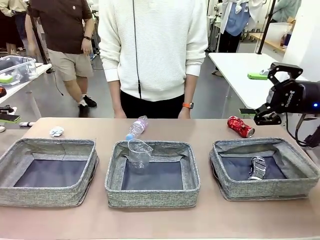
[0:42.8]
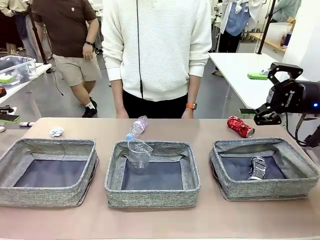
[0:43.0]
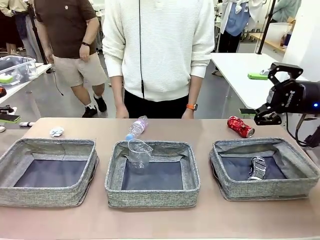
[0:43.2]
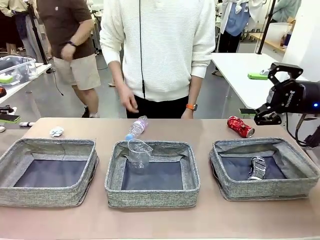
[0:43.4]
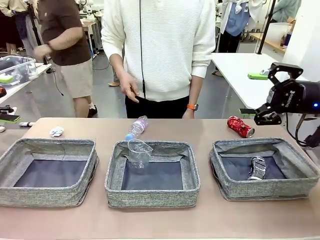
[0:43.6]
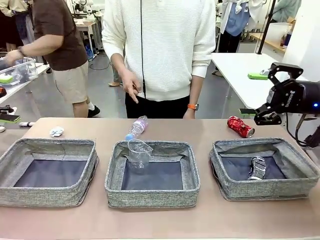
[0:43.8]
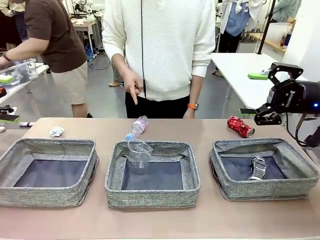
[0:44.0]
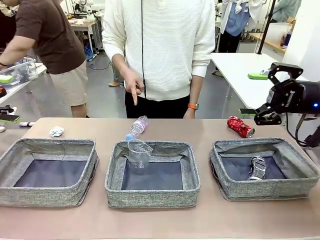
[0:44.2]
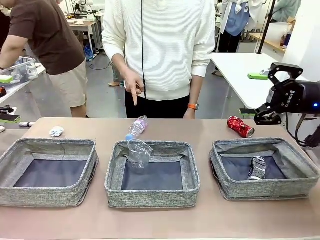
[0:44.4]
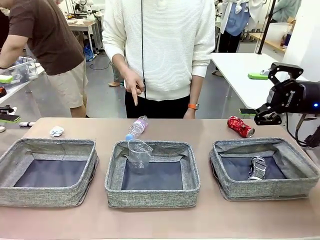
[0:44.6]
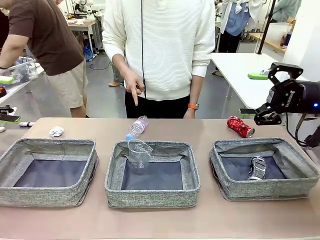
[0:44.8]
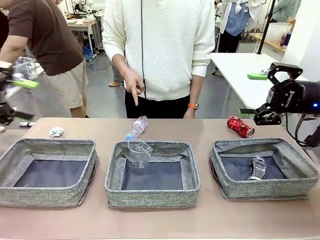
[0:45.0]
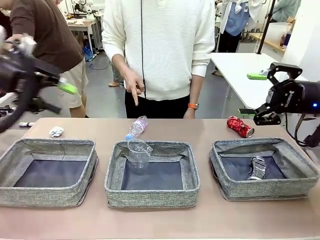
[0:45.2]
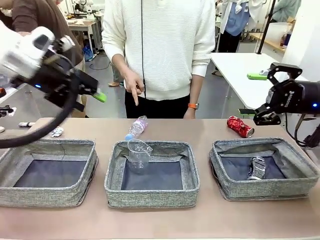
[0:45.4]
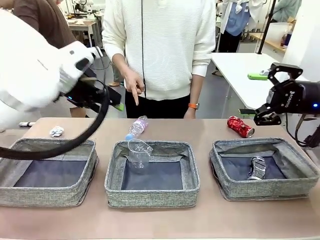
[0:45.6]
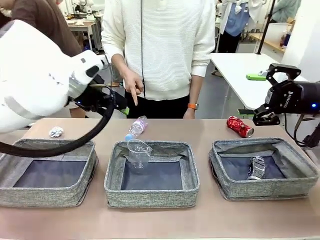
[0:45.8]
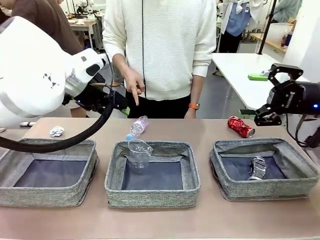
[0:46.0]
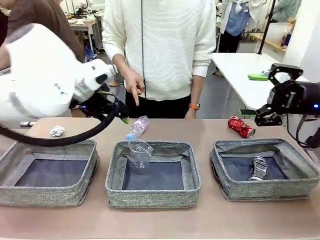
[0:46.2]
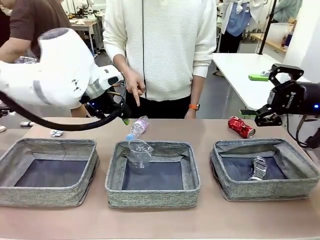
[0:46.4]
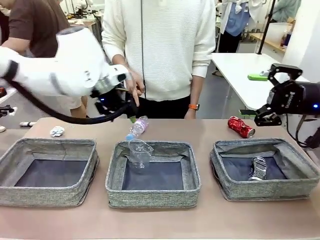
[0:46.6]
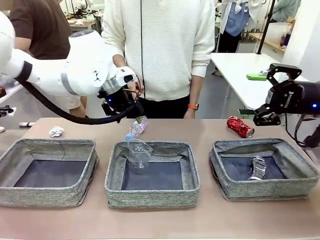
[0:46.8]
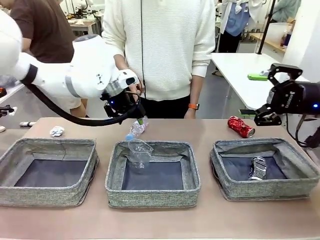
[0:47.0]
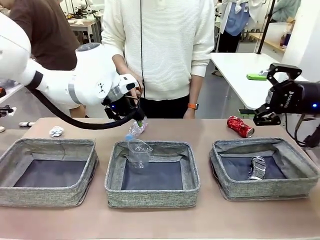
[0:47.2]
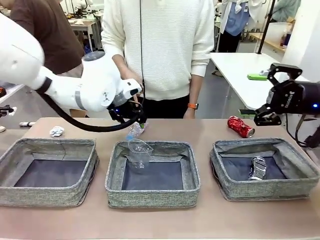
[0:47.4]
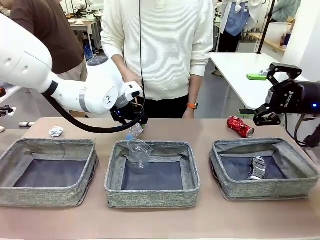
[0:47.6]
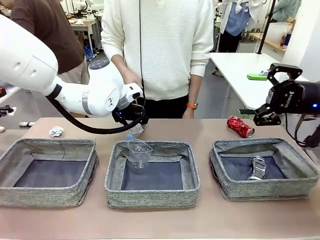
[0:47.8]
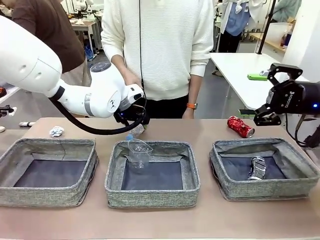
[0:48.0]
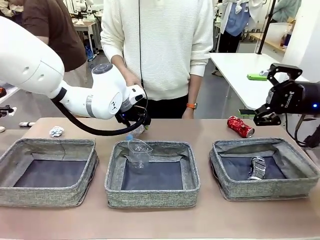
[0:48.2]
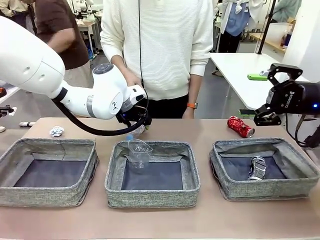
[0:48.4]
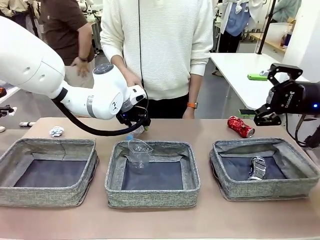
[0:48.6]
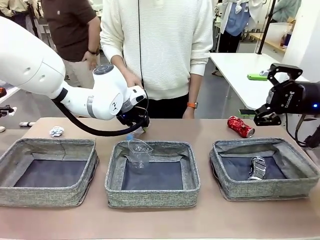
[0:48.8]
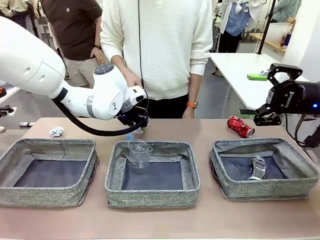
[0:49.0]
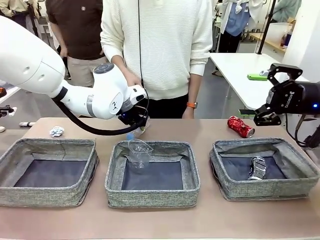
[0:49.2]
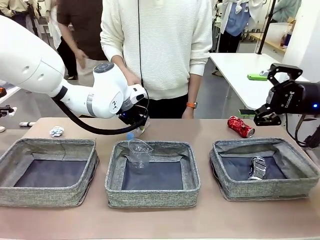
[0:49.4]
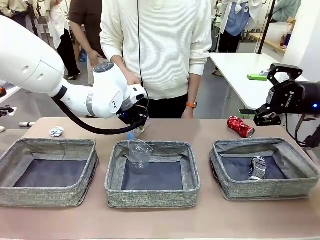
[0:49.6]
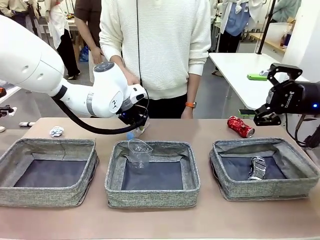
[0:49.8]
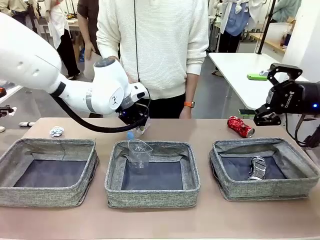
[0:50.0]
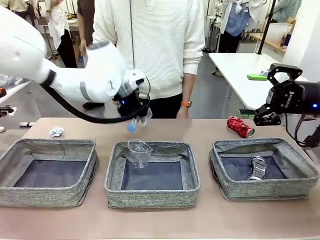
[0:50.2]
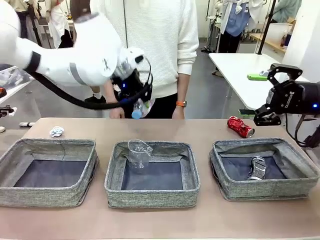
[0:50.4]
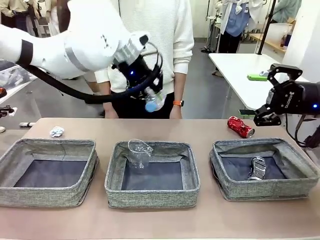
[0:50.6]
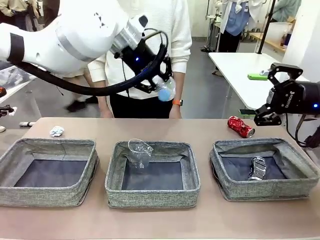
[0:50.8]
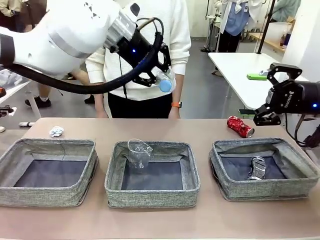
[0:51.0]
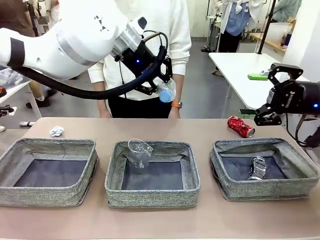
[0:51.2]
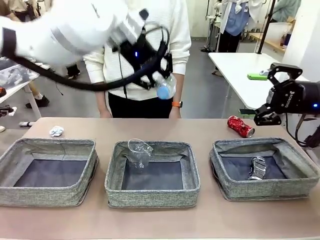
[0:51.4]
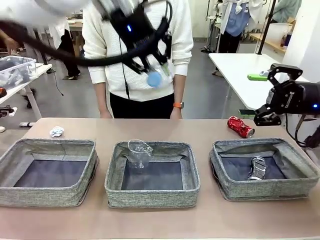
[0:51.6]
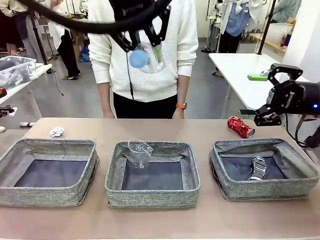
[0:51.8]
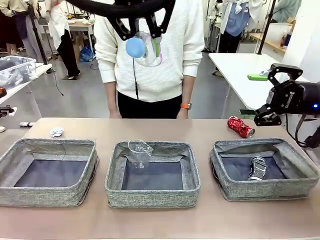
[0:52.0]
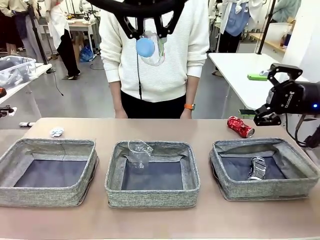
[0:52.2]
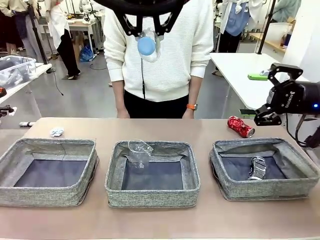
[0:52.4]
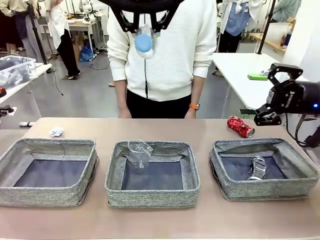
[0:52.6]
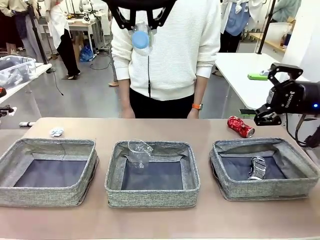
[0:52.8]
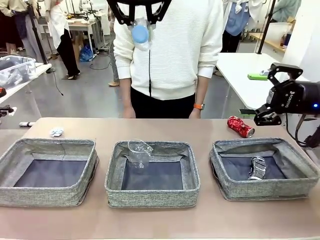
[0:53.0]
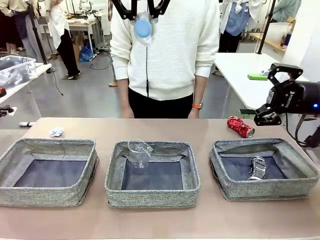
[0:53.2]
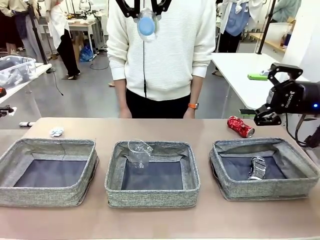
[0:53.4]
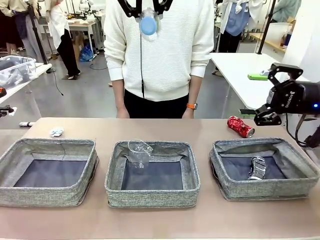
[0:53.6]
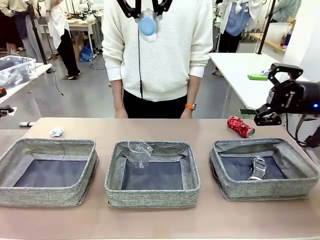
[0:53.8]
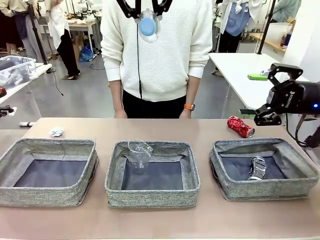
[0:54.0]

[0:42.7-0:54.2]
Task: Sort the waste into the appropriate baskets.
Robot: Pick up the waste item pointed out by the person.
Person: Points to one piece of trash on the table.

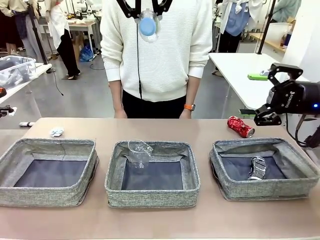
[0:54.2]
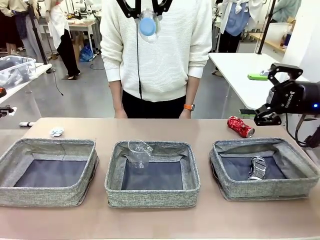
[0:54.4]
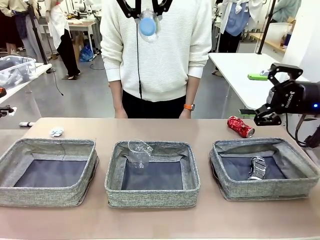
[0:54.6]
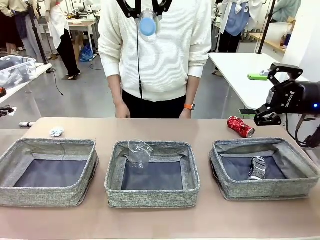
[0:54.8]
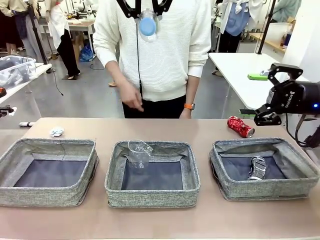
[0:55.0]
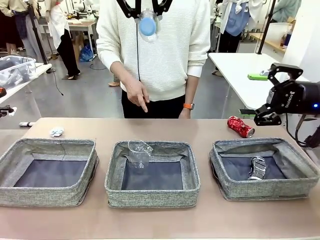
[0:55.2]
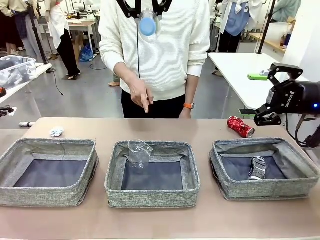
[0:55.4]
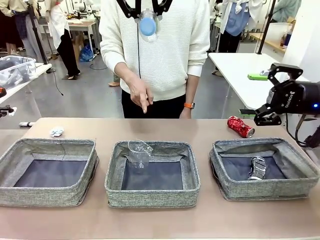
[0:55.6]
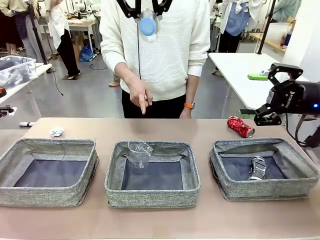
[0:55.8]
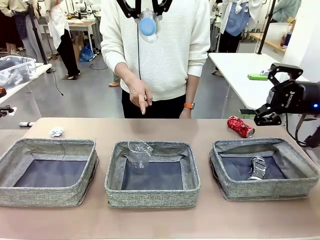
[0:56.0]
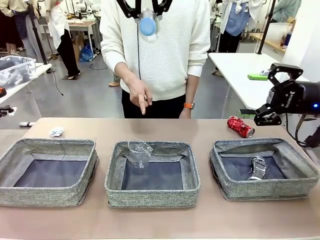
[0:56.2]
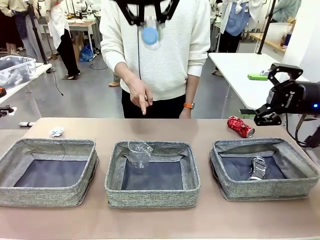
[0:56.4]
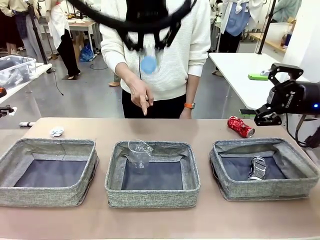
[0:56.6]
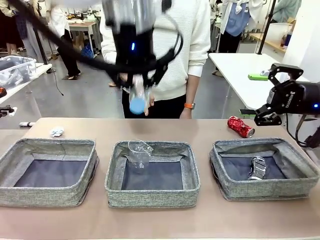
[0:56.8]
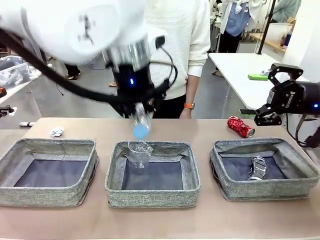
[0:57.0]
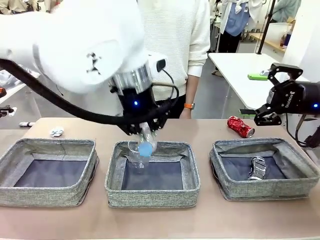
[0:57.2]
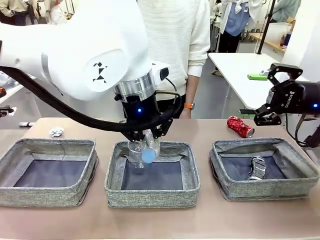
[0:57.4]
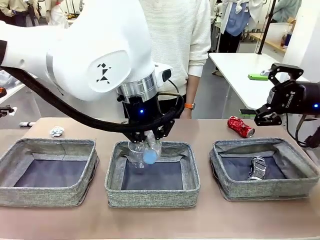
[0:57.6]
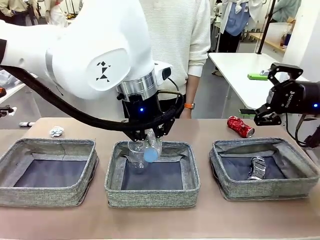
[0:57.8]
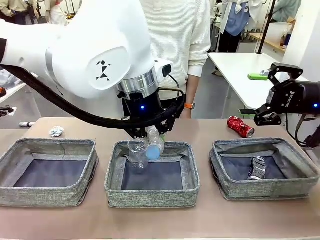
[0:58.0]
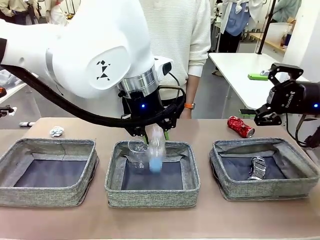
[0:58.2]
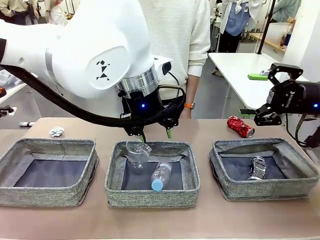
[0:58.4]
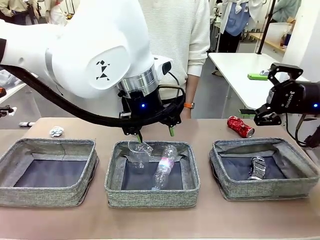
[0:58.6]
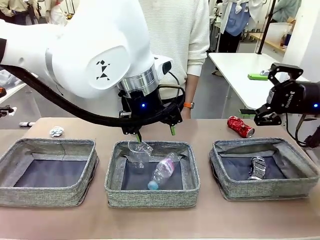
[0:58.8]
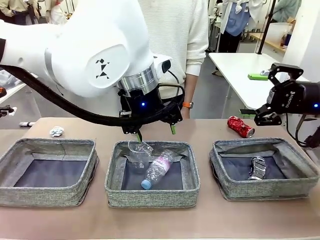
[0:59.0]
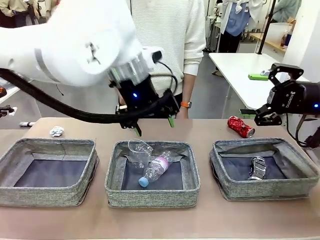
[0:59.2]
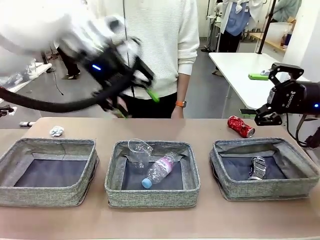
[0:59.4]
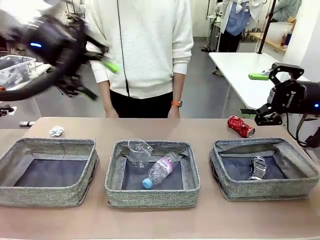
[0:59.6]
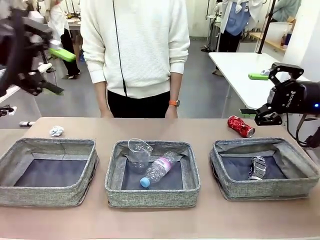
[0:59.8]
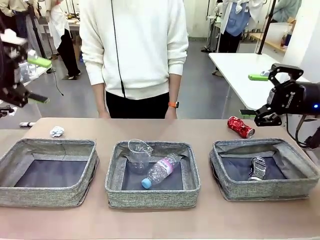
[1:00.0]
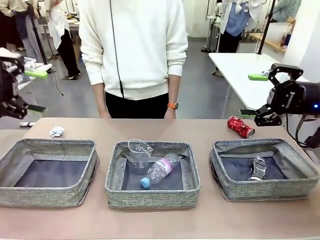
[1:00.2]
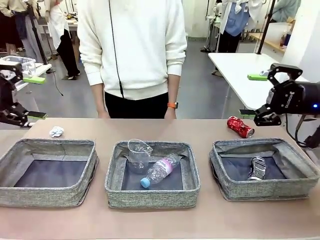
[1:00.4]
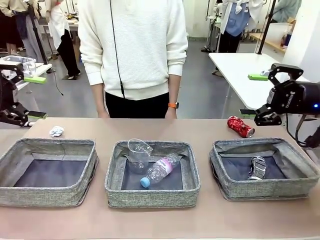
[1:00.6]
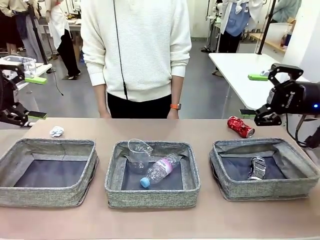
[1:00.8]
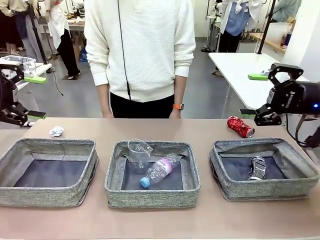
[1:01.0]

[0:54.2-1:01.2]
Robot: Place the picked waste into the Fabric basket indicated by the person.
Person: Instructs the robot to place the picked-up trash into the appropriate organizing basket.
